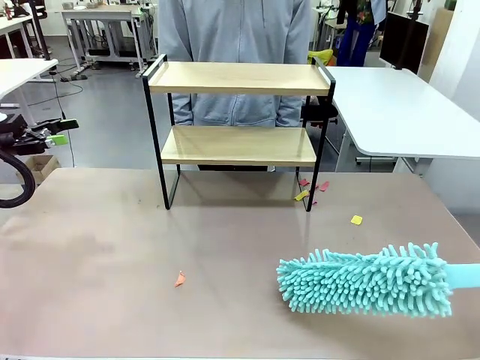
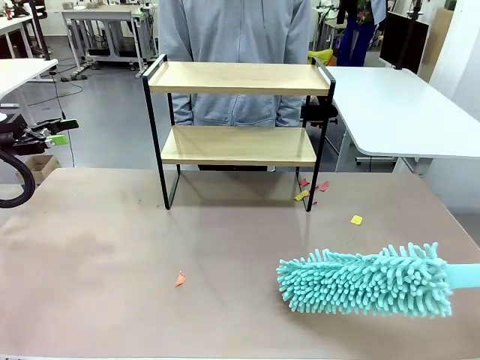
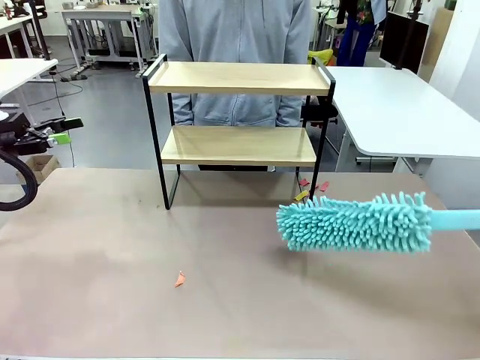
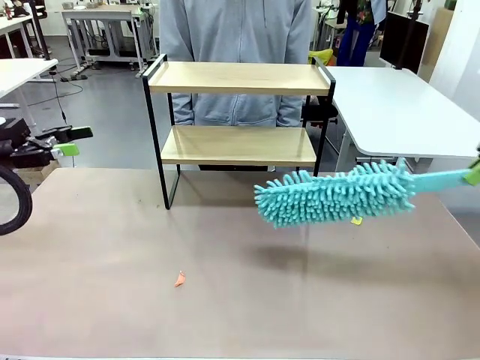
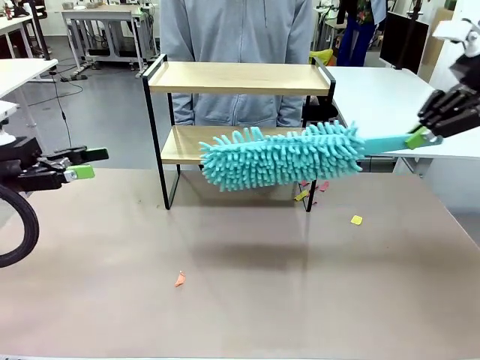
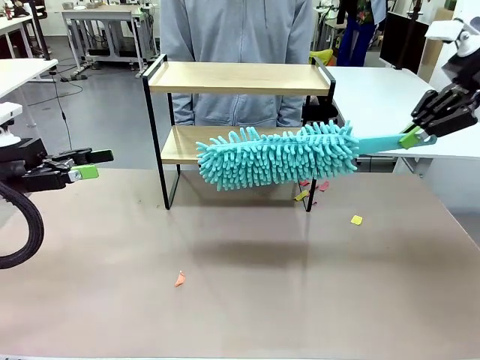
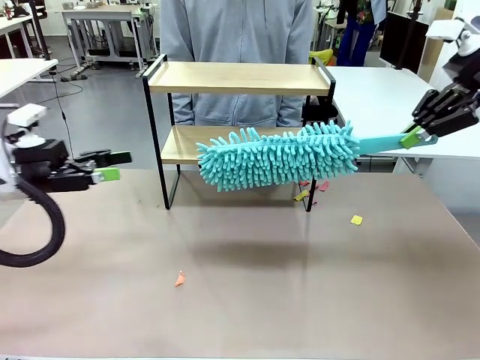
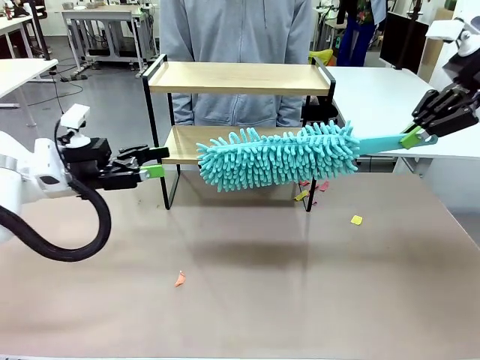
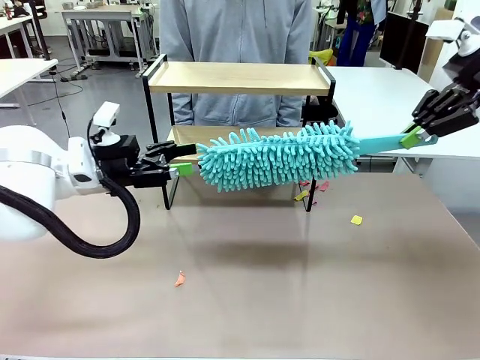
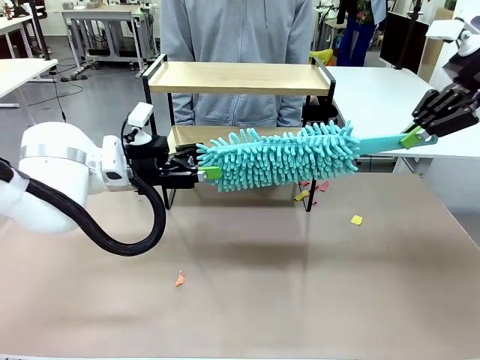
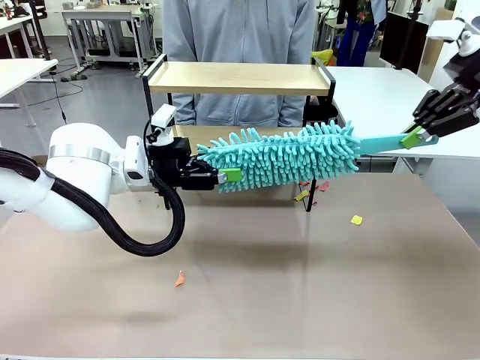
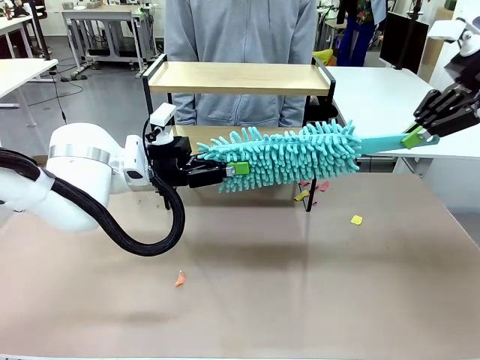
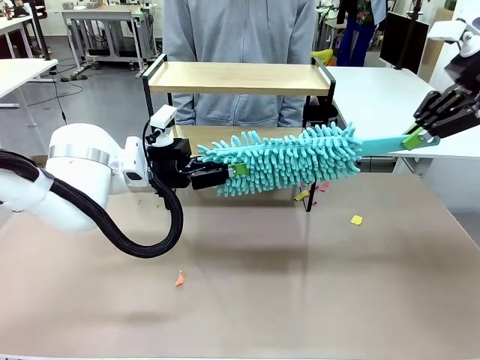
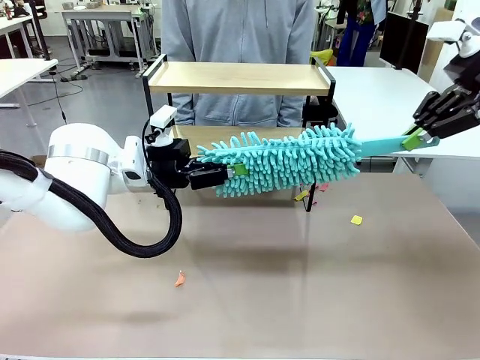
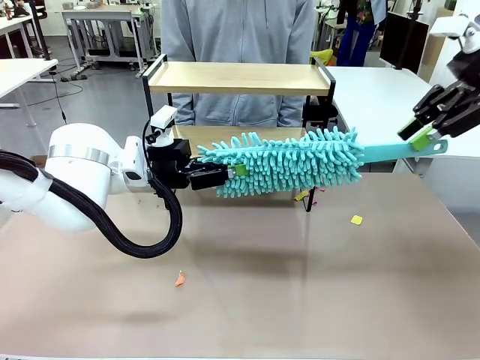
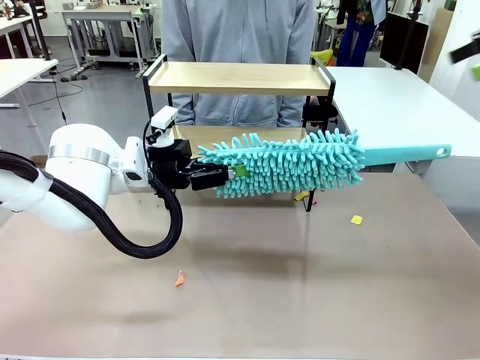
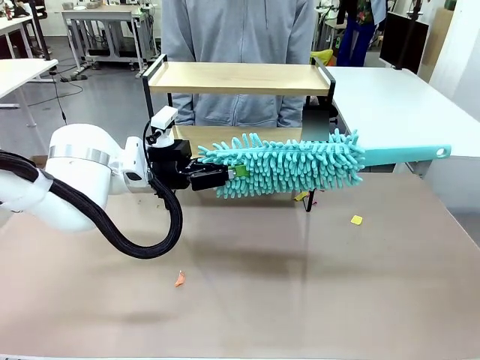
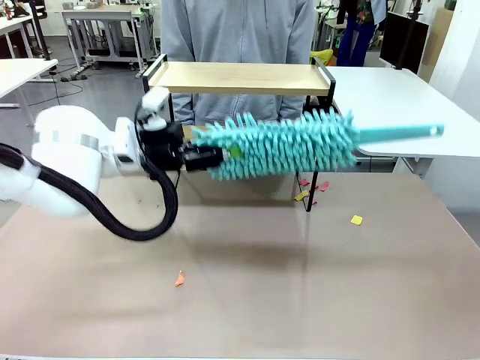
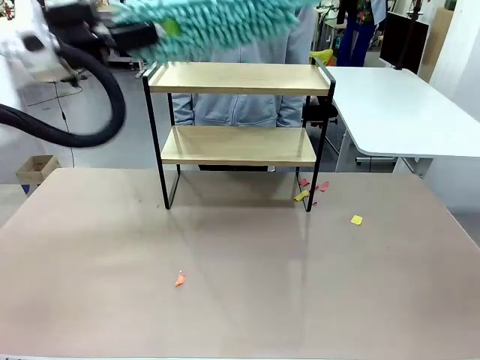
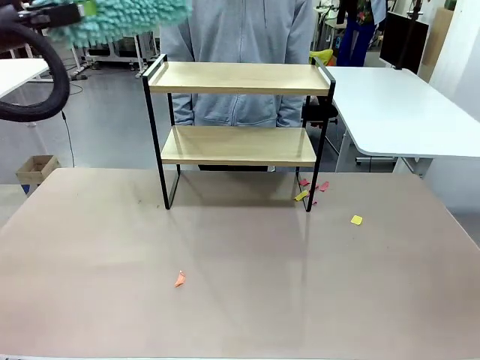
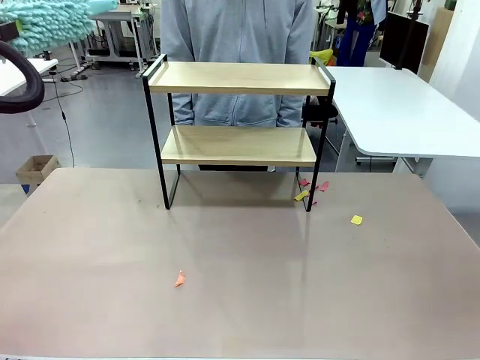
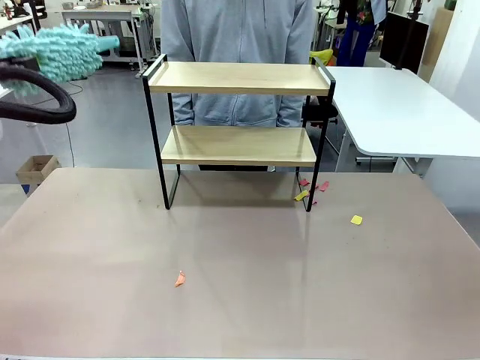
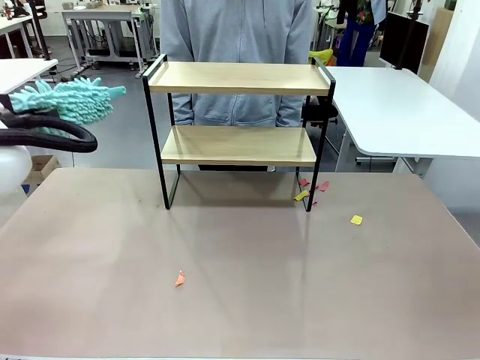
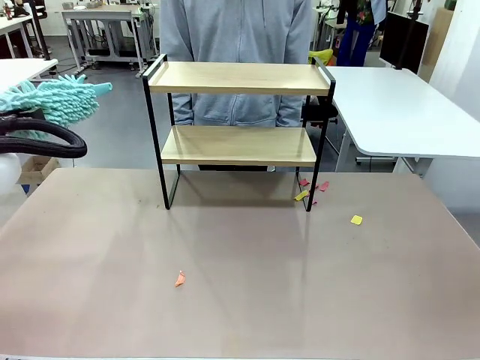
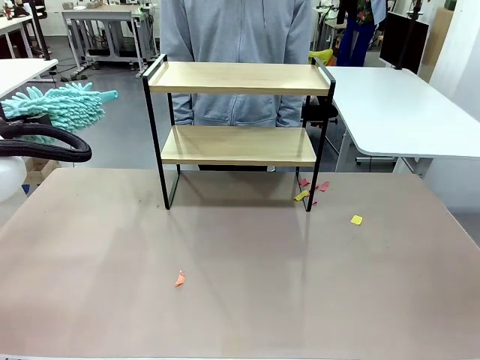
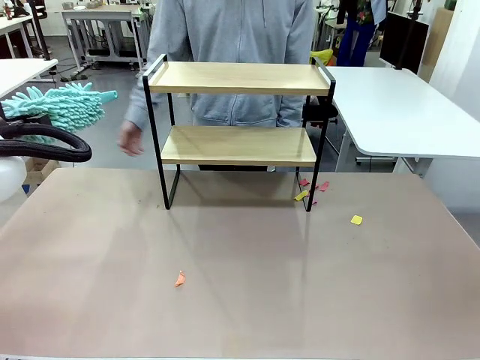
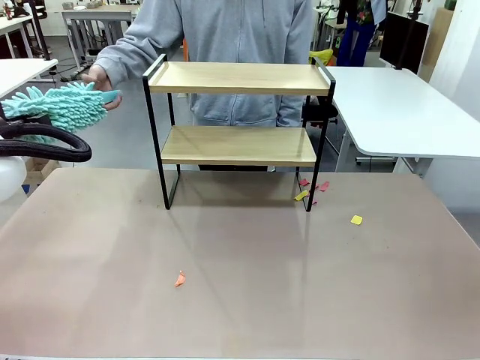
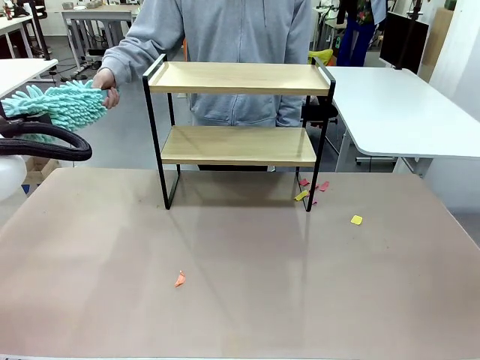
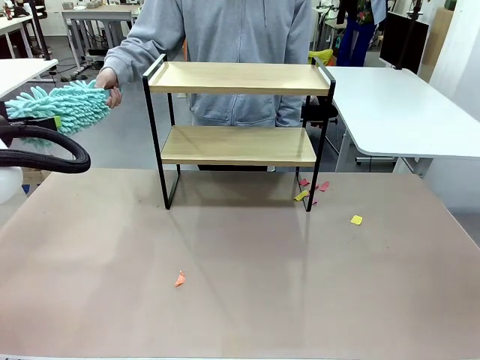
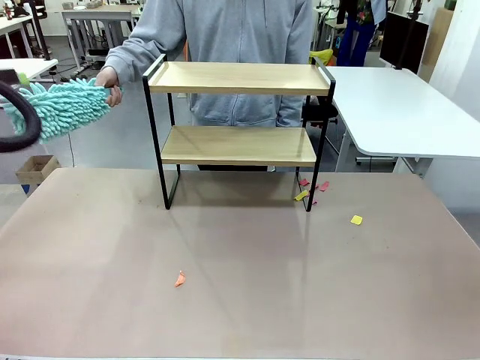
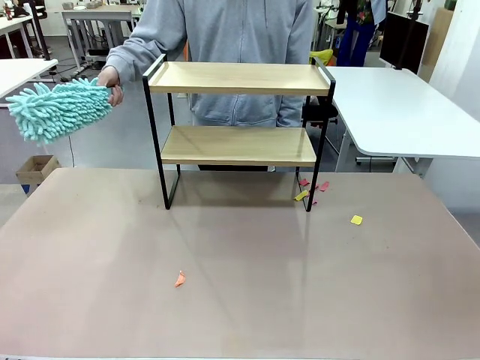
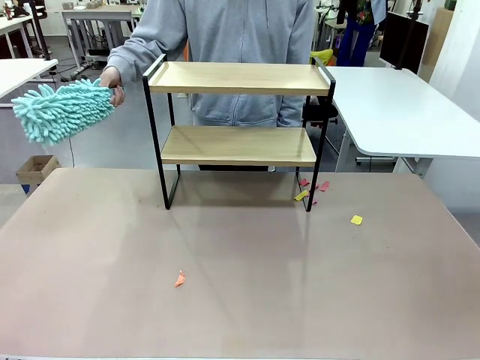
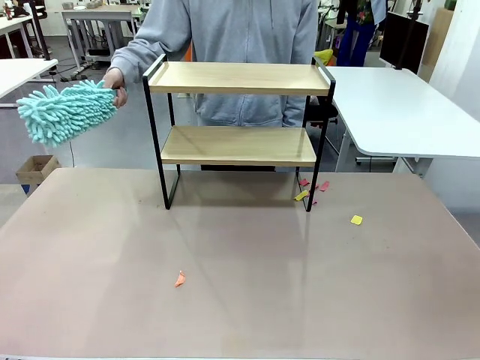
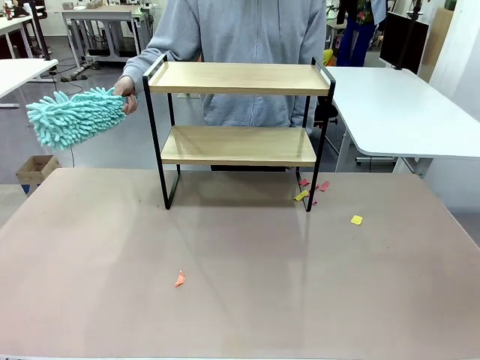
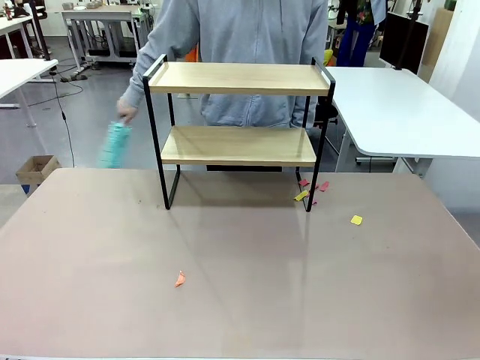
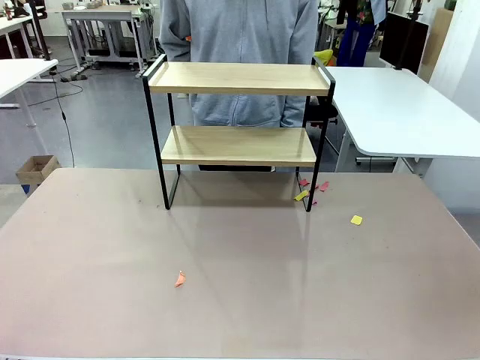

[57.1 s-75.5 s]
Task: Clean the shelf.
Robot: Hand the Duster back to the human.
Person: Receive the Duster from the robot.

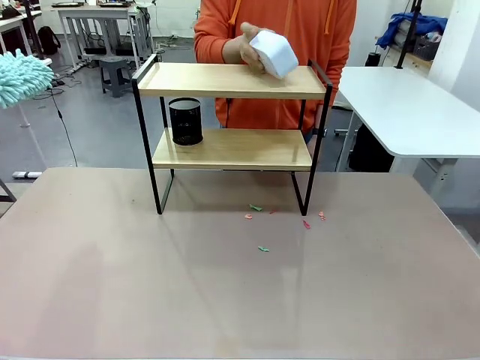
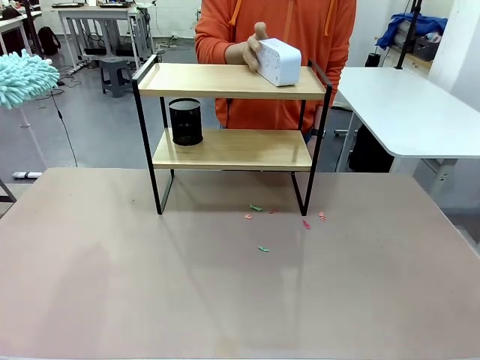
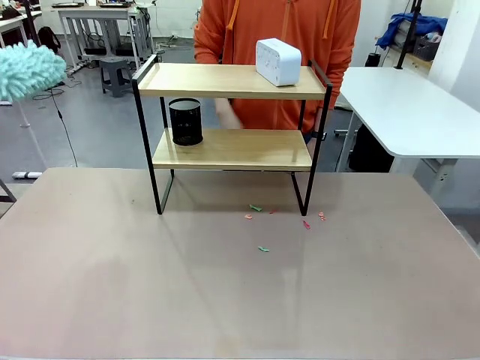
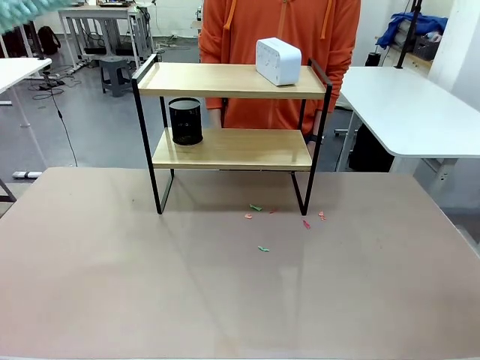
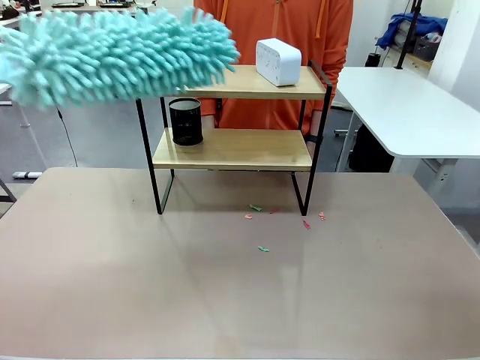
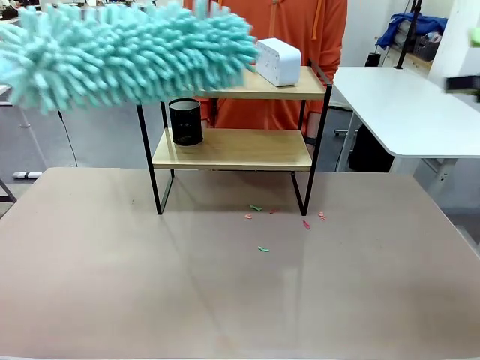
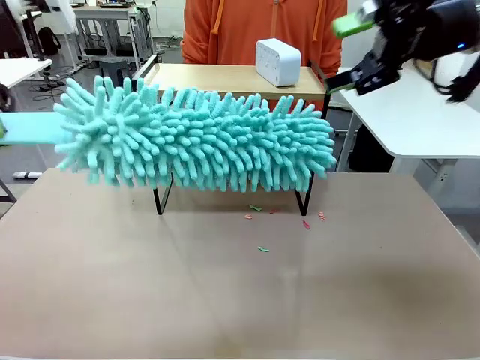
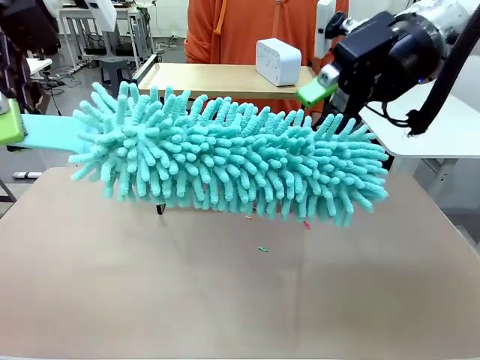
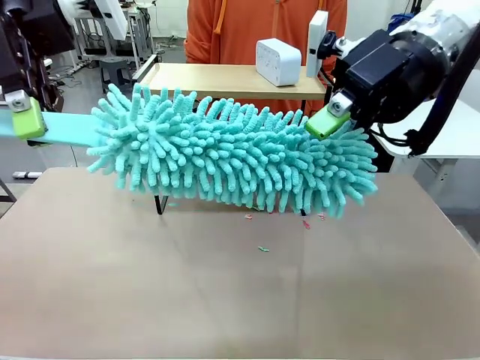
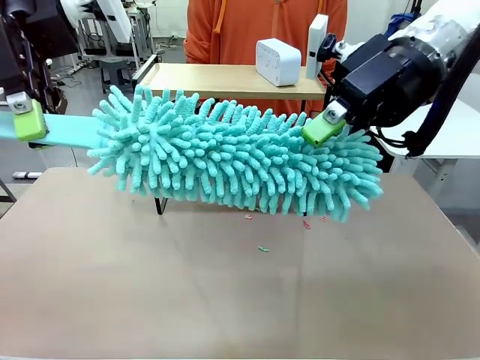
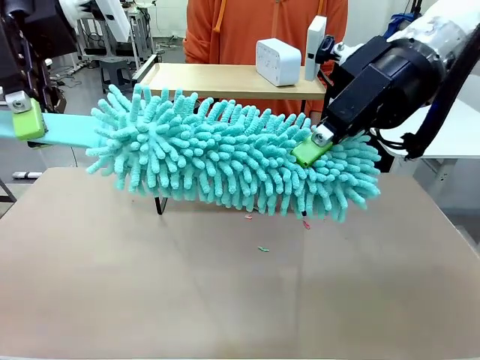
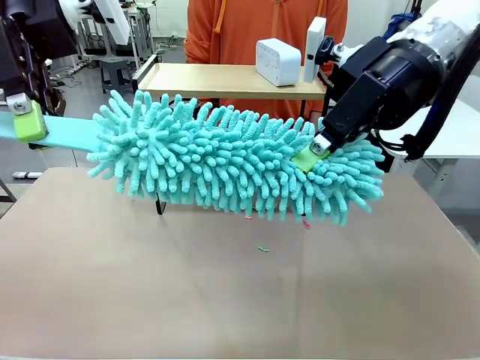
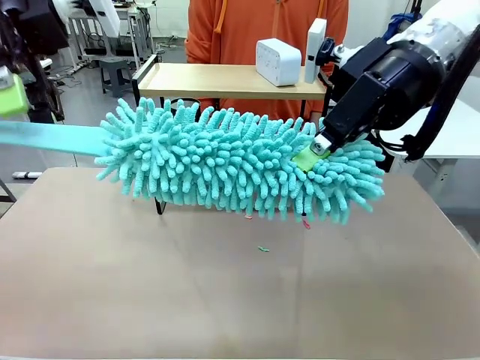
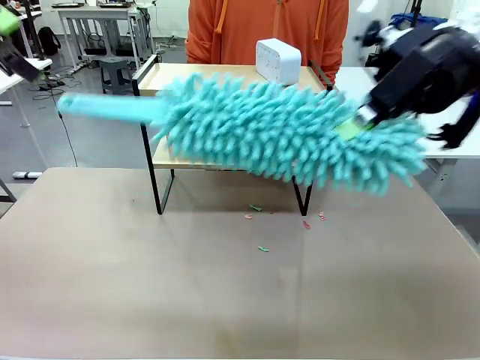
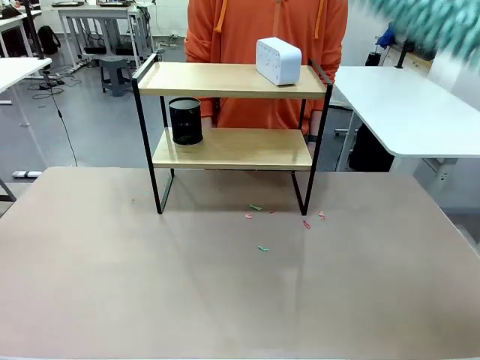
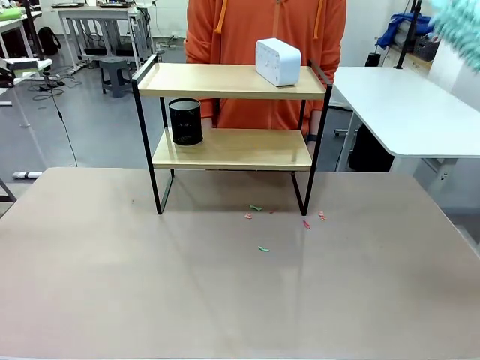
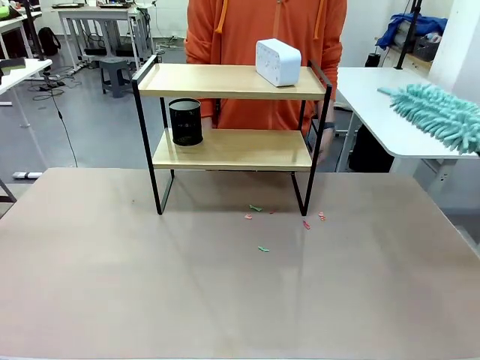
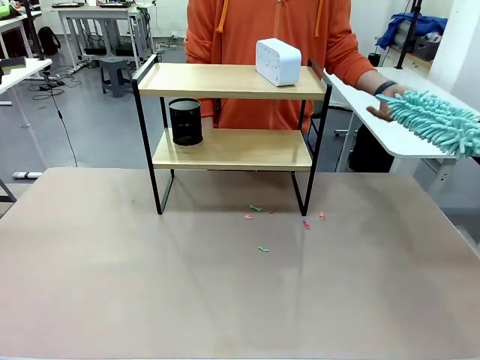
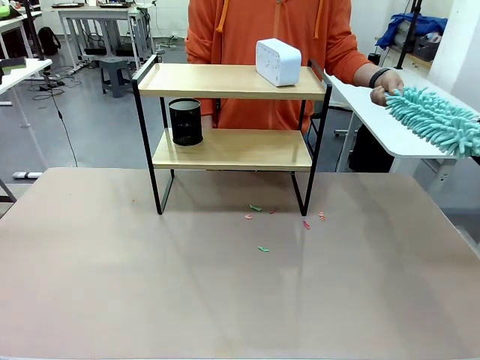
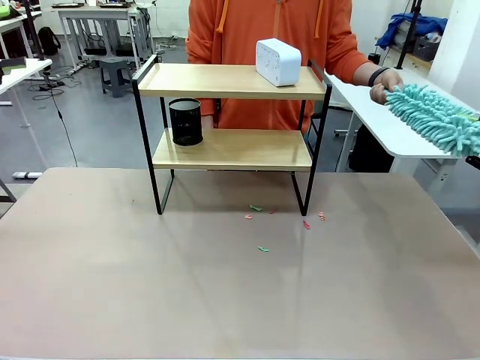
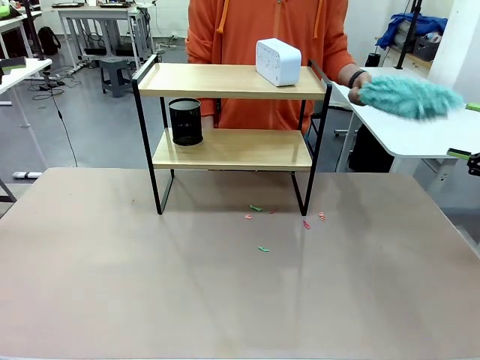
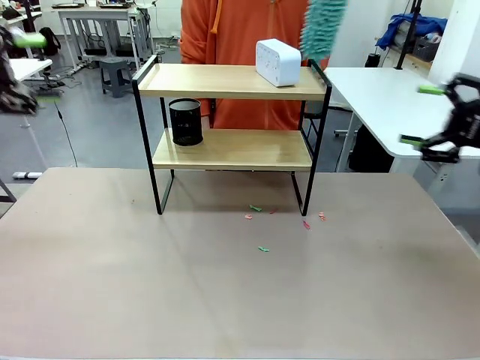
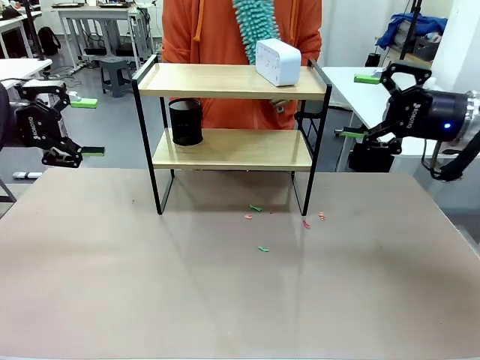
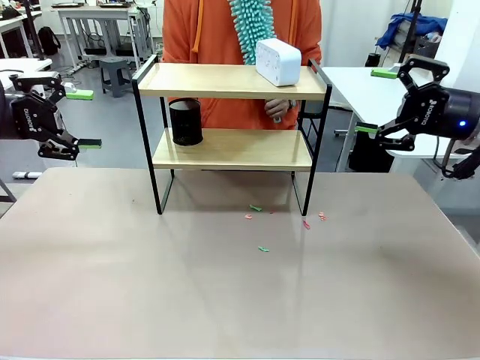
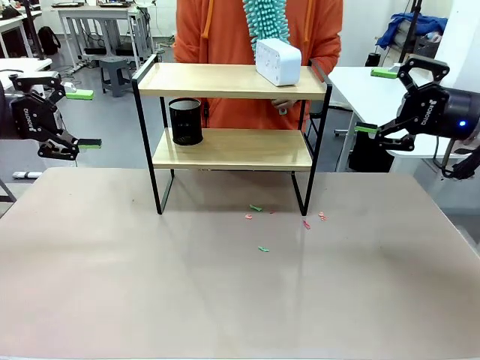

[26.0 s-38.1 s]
Task: Clean the shelf.
Robot: Hand the Duster back to the human.
Person: Receive the Duster from the robot.
